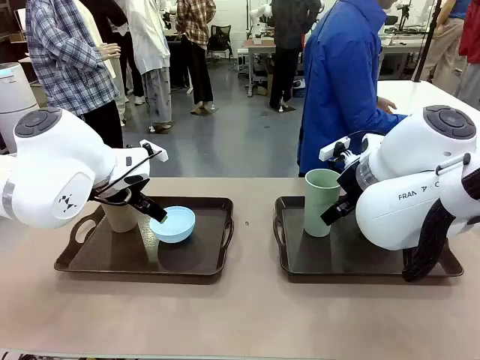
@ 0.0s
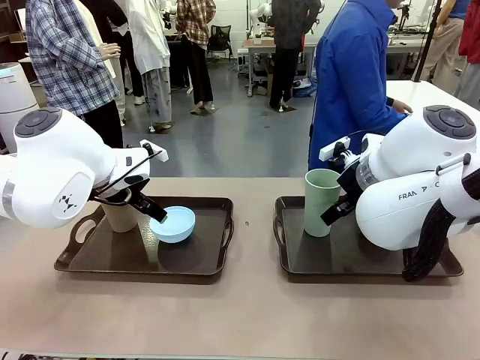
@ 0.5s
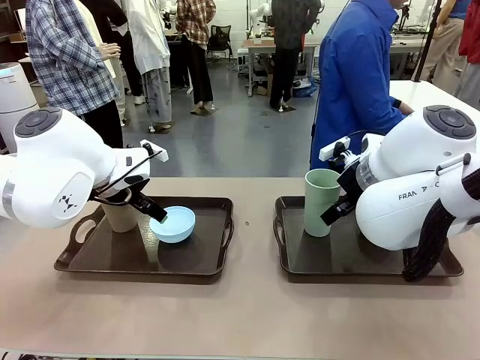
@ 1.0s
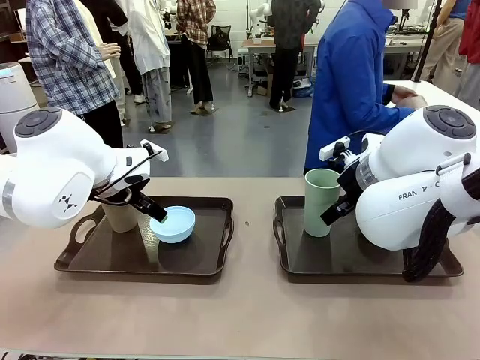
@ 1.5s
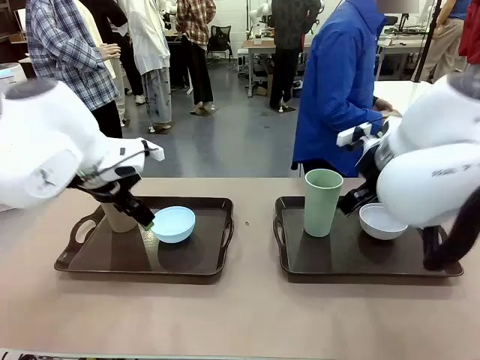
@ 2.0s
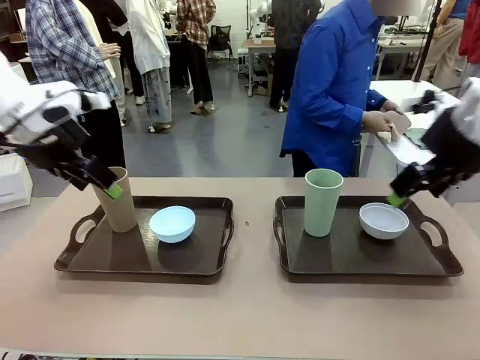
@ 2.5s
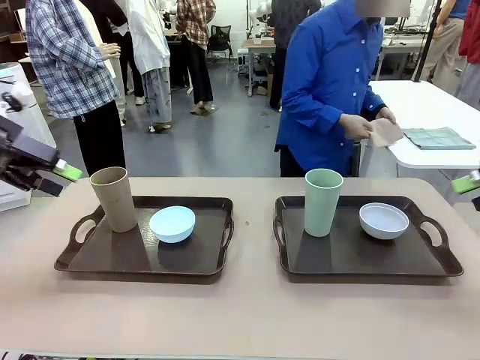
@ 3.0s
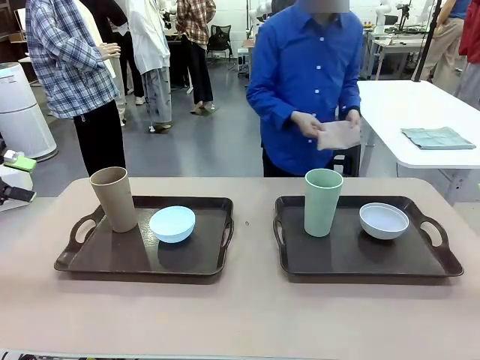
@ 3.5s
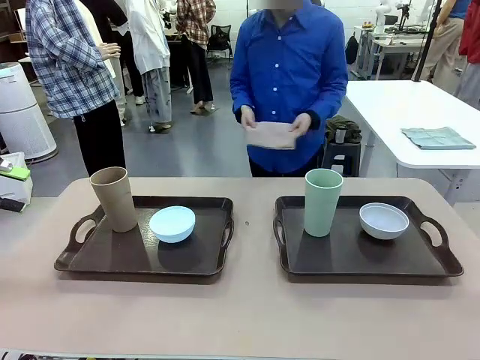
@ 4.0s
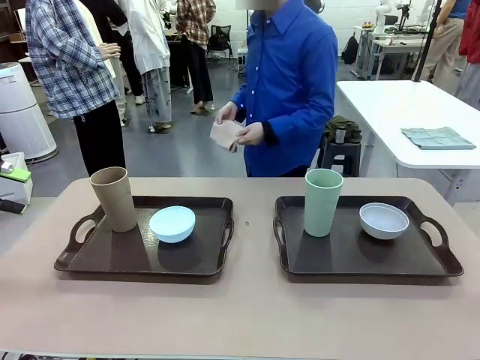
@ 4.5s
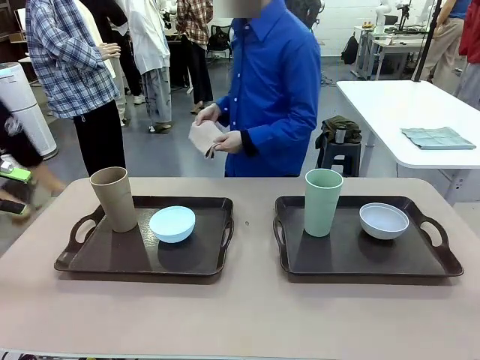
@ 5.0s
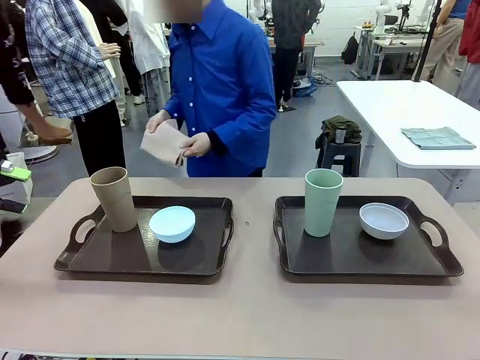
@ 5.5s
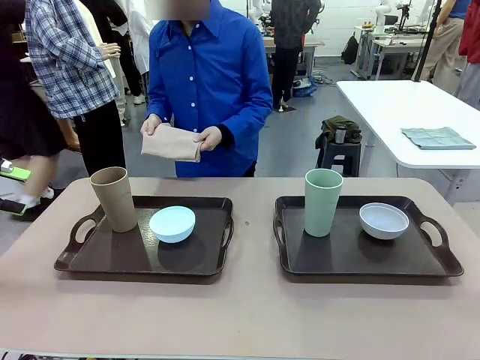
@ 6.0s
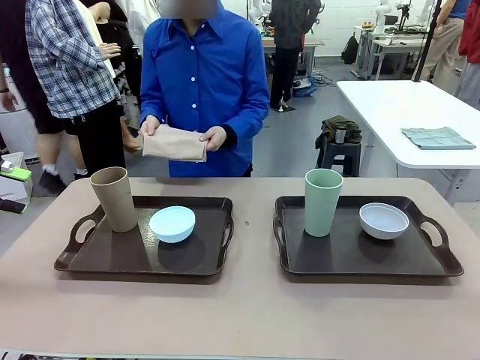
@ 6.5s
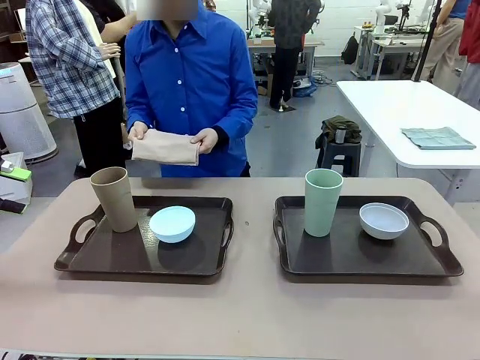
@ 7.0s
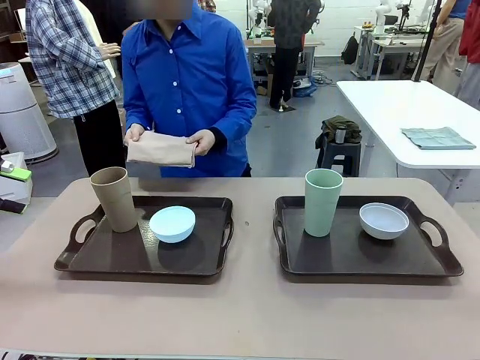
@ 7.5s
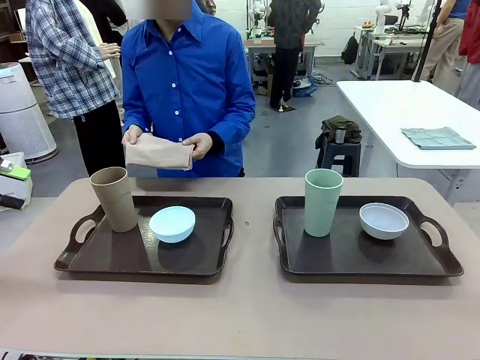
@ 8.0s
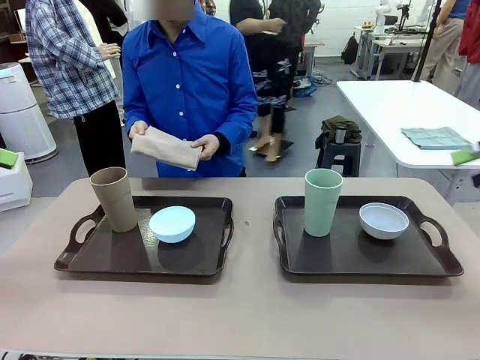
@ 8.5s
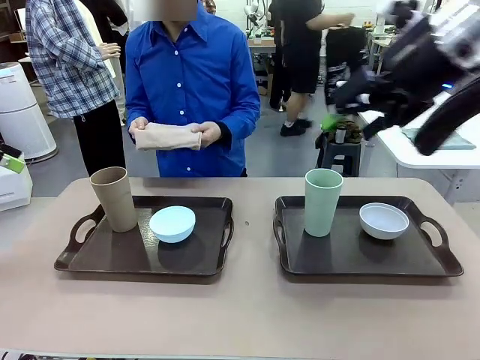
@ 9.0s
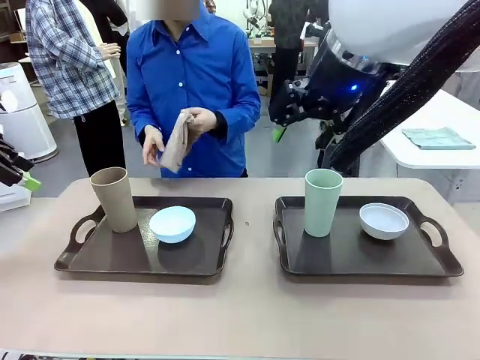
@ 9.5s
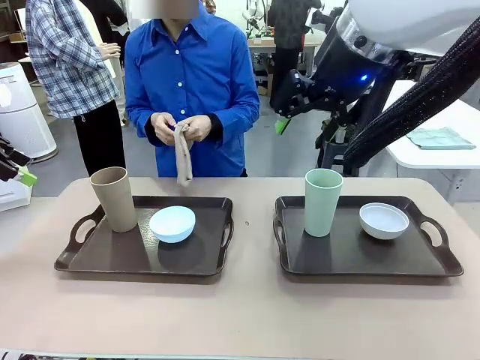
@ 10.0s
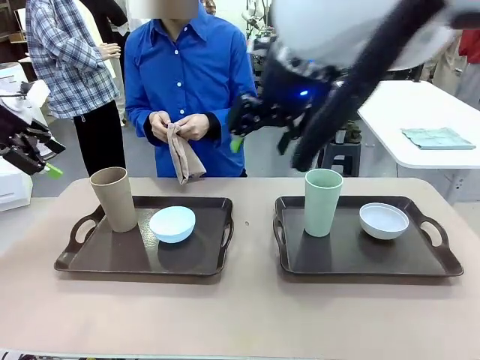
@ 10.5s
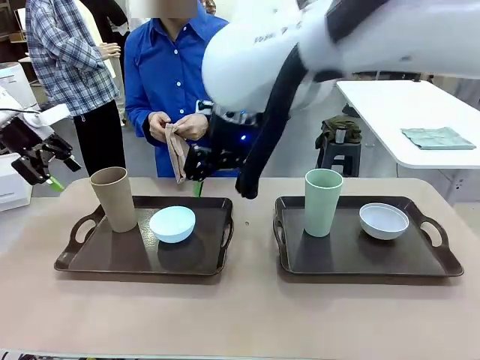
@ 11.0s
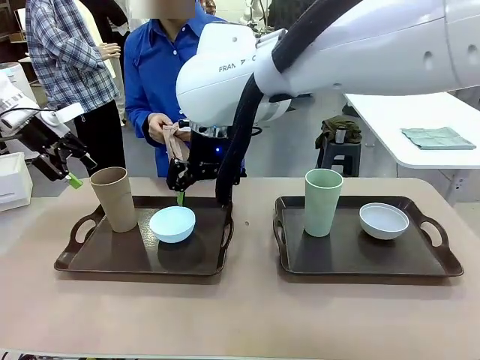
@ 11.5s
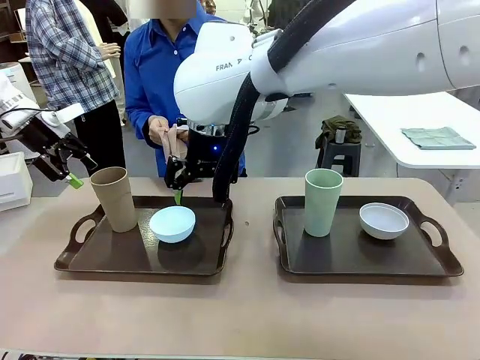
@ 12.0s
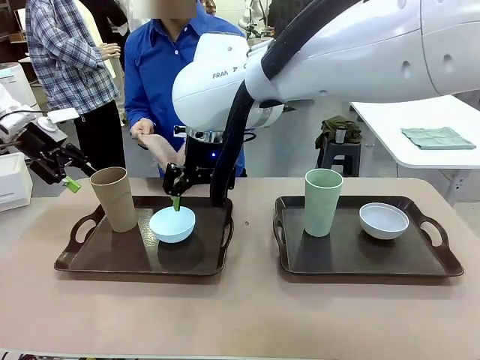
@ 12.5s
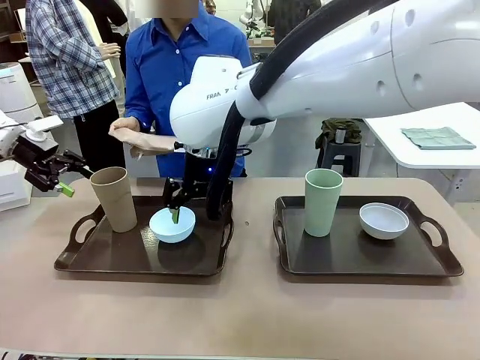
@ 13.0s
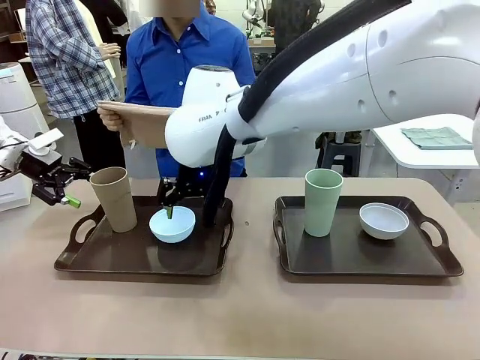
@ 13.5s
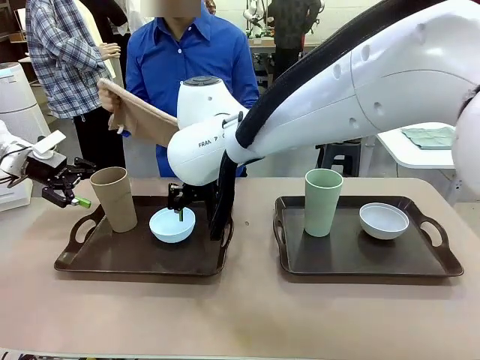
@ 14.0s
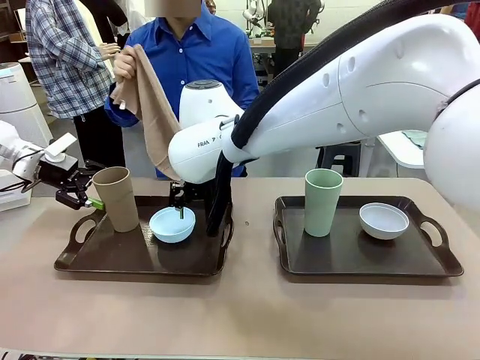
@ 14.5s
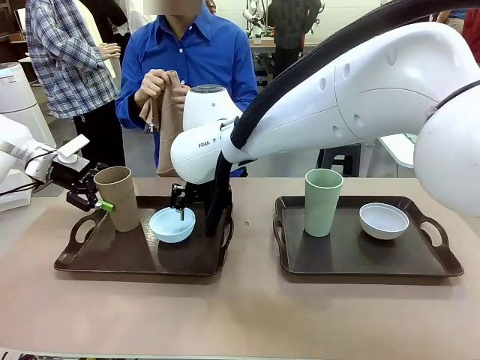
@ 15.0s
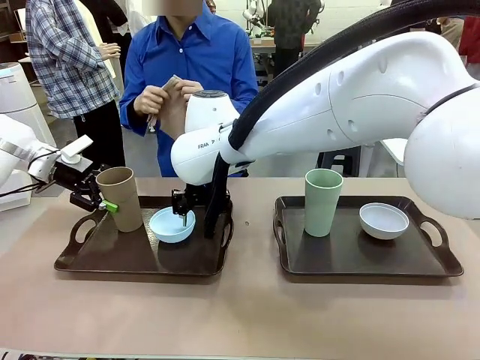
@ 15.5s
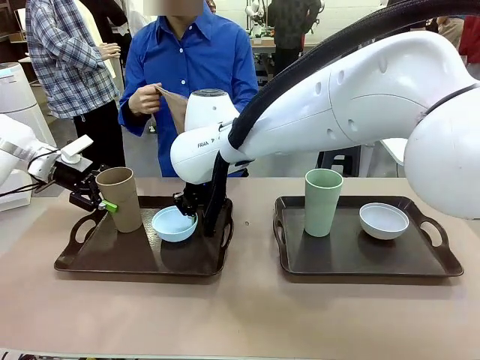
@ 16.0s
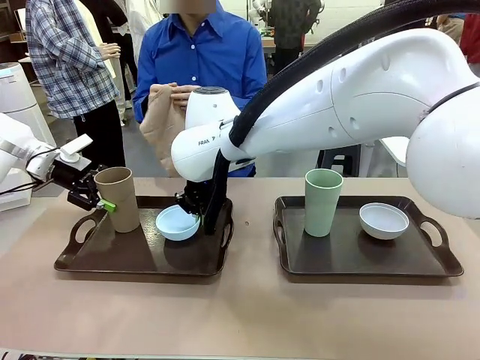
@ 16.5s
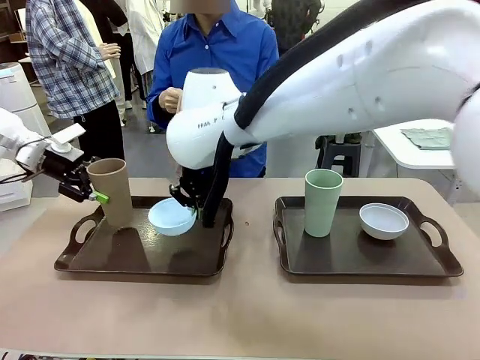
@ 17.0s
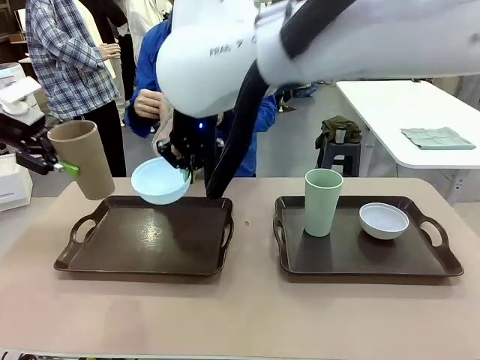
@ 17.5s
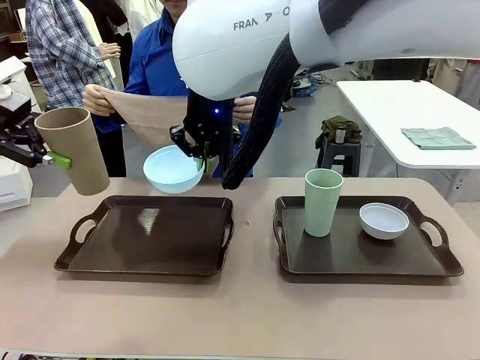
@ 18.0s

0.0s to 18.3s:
Robot: Pick up the Picnic Bowl and Reusable plastic cup from the Handle tray in front of the human's position and hold them in the air.
Person: The human picks up the top napkin from the stack on the human table and walks to the robot table to stand in front of one of the two trays. When the robot lifts the bowl and the cup, the human unfolds the napkin and lays the napkin flat on the tray.

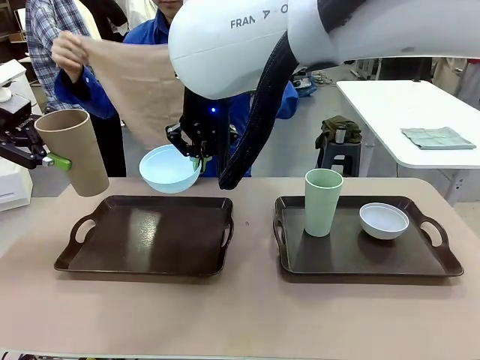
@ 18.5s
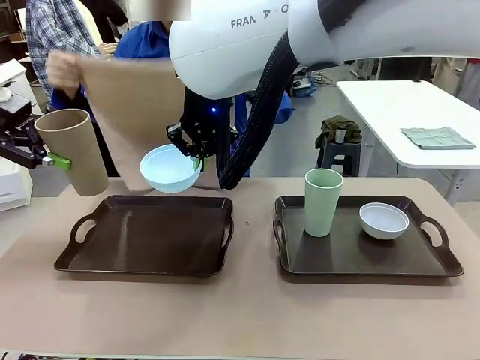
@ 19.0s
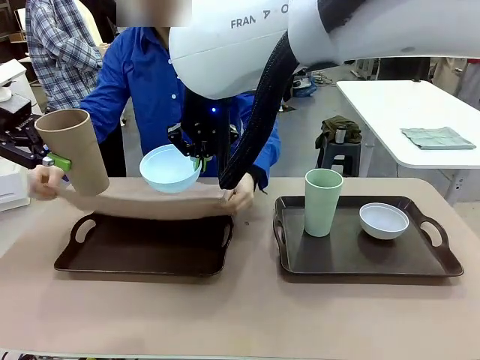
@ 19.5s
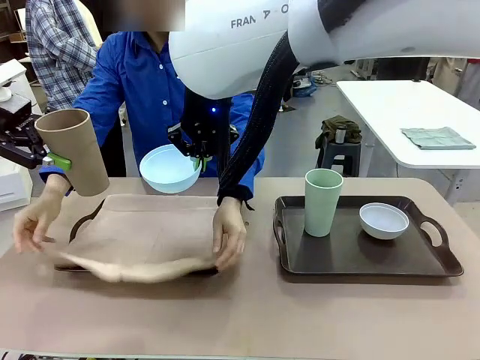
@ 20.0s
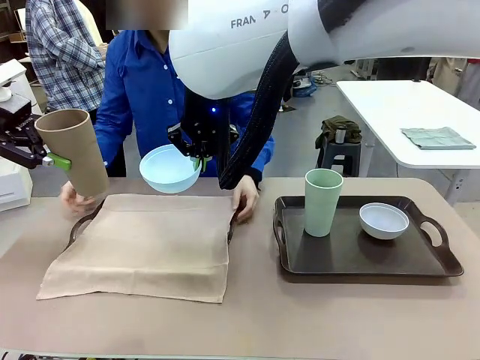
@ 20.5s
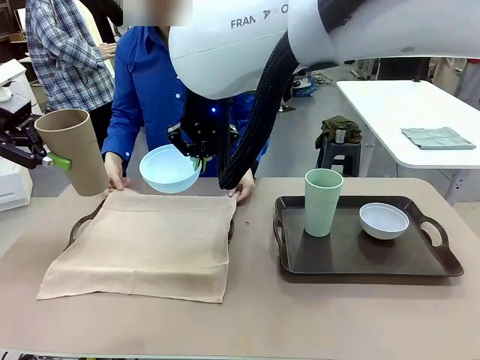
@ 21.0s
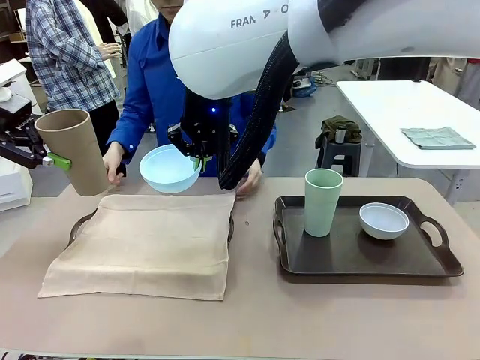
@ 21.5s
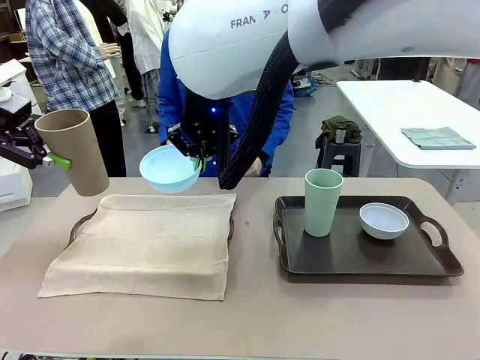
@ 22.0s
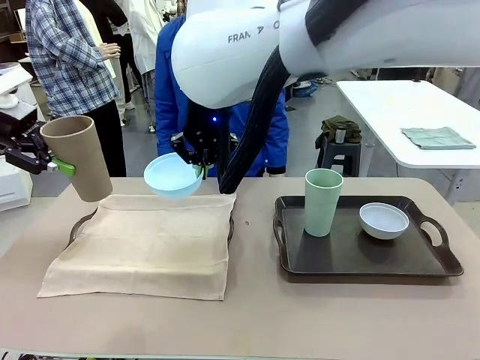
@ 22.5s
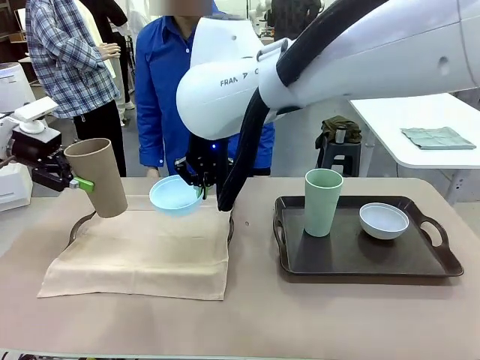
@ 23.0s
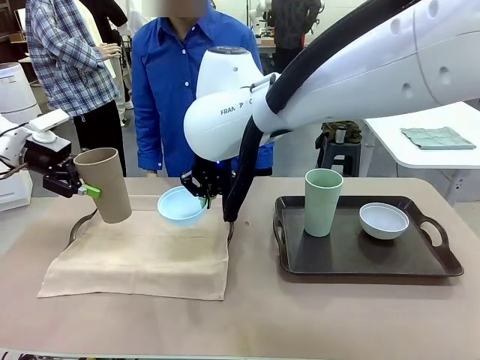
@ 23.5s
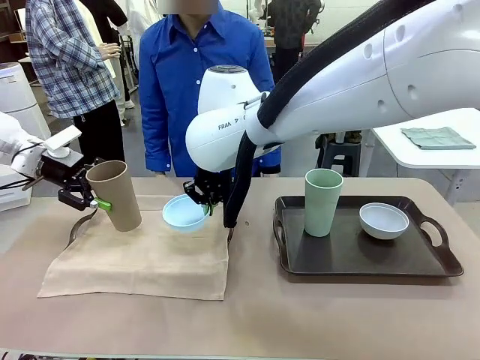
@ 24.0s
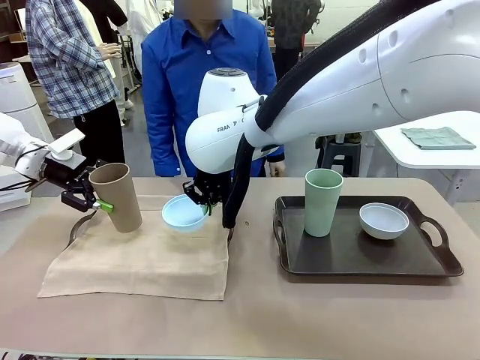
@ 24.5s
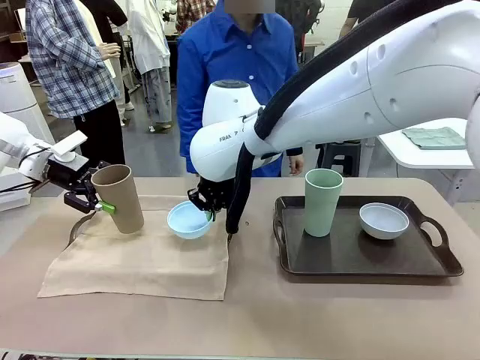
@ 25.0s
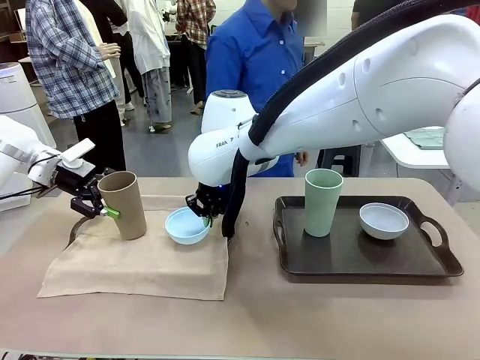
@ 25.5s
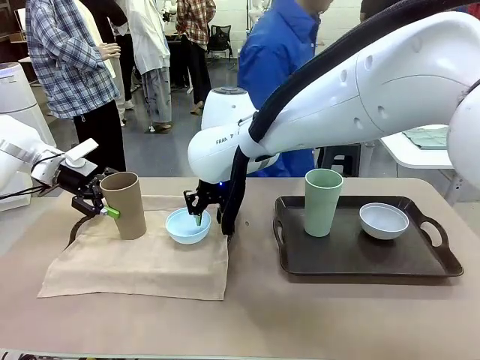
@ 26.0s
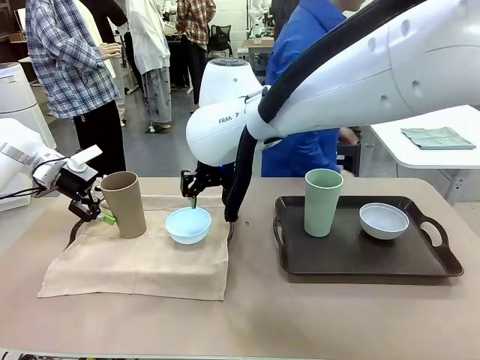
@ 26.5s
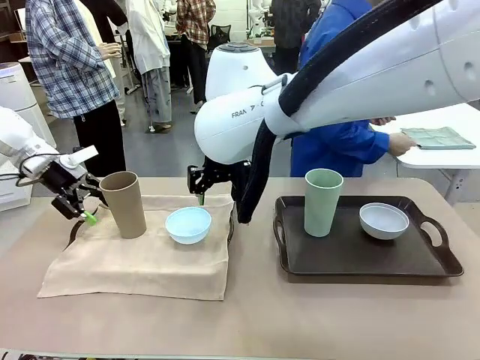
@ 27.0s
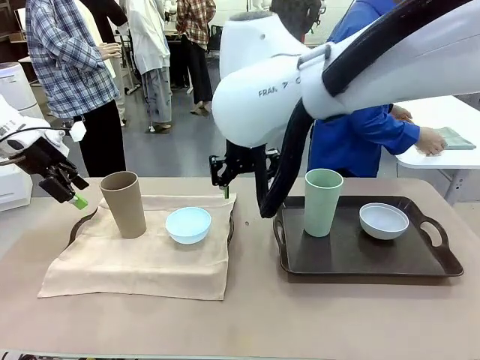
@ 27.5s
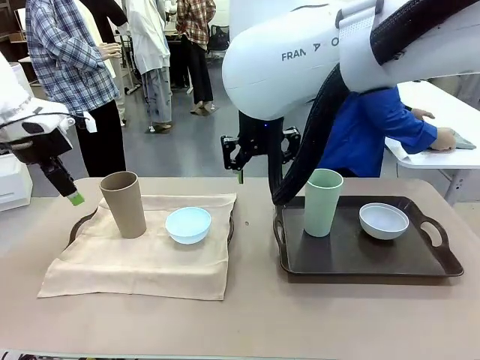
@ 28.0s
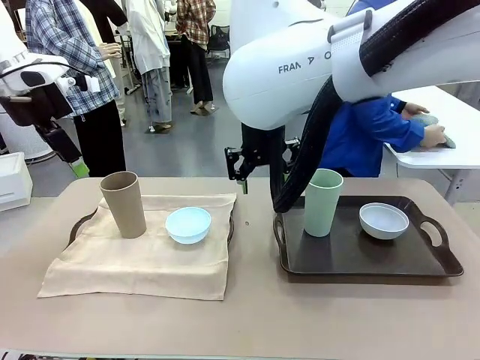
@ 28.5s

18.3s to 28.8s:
Robot: Place the Picnic Bowl and Reusable plastic cup back onto the Handle tray in front of the human's position.
Person: The human returns to the human table to pick up another napkin and walks to the robot table to stand in front of the tray without a napkin.
